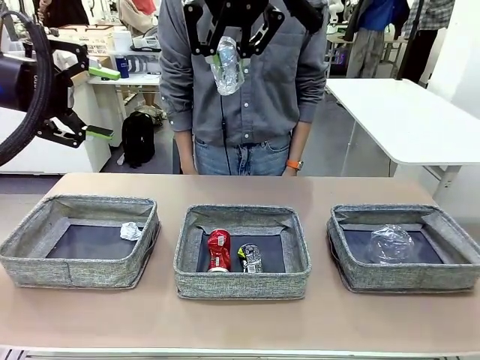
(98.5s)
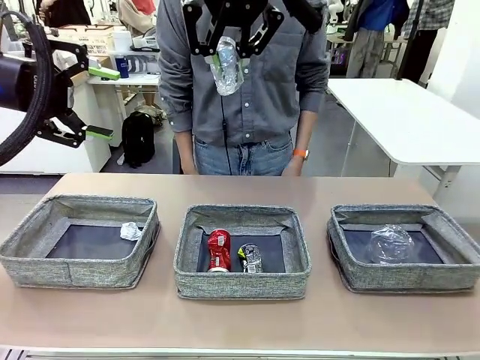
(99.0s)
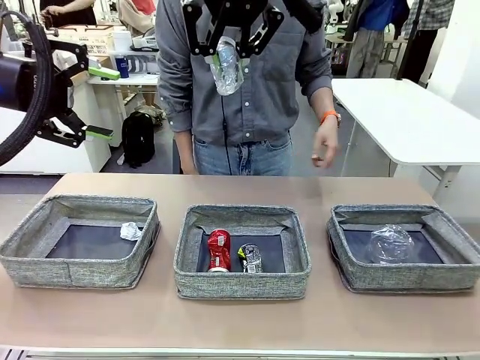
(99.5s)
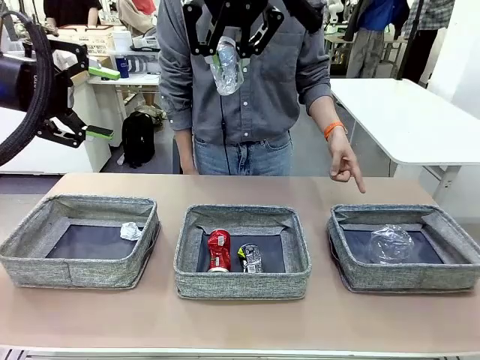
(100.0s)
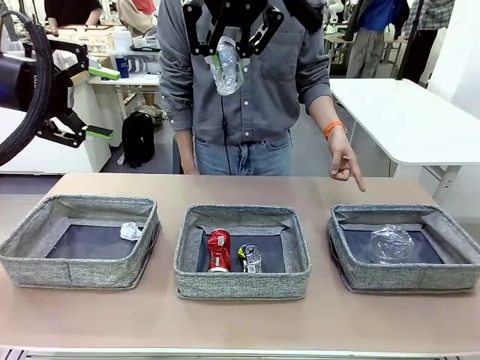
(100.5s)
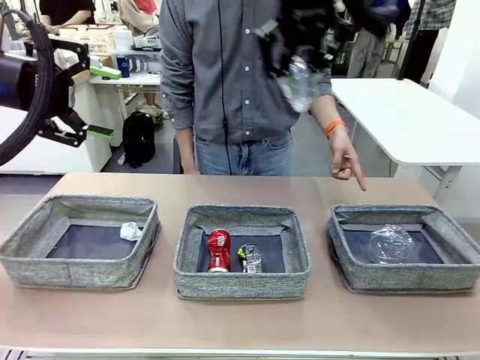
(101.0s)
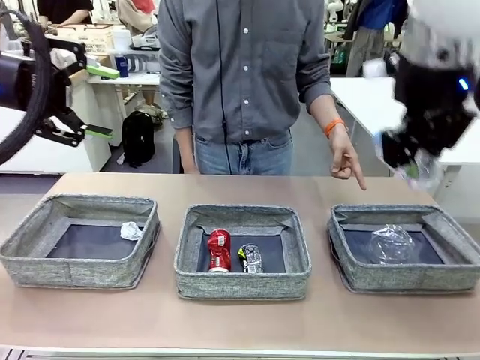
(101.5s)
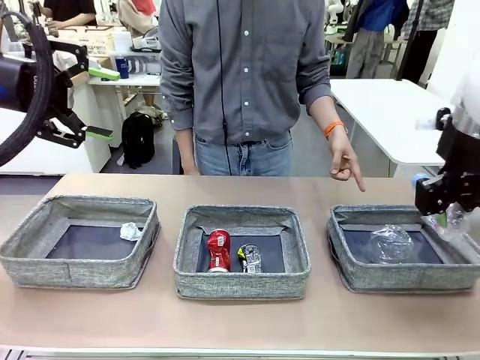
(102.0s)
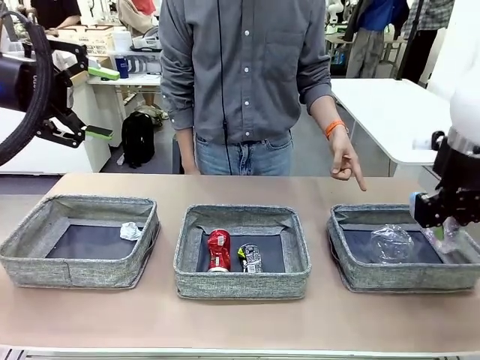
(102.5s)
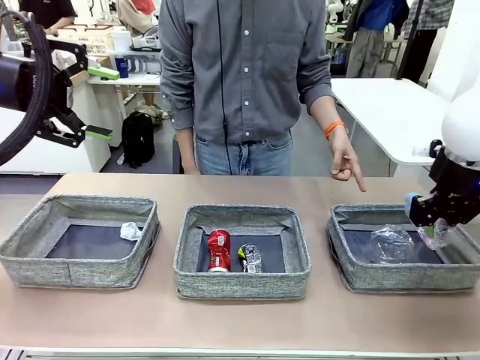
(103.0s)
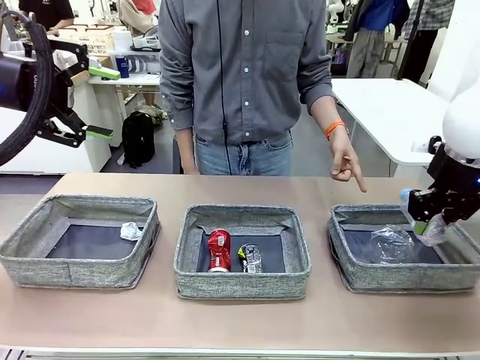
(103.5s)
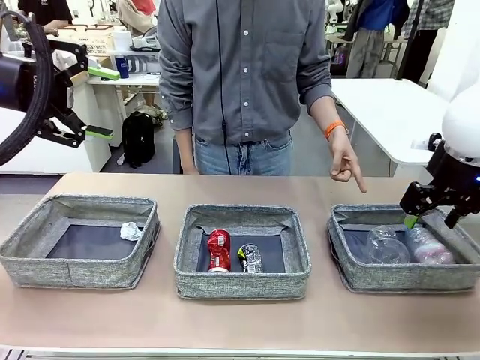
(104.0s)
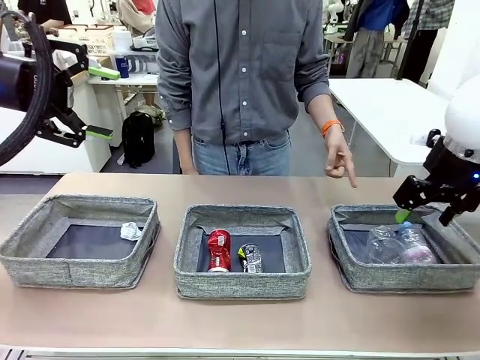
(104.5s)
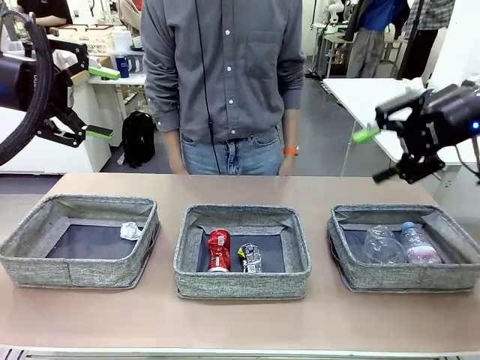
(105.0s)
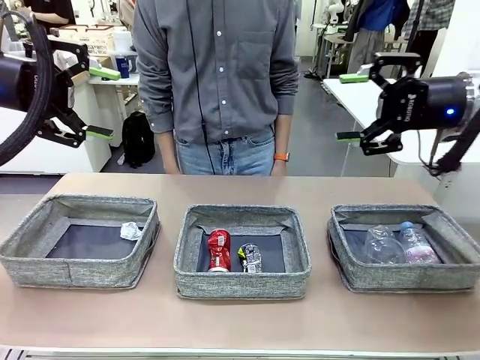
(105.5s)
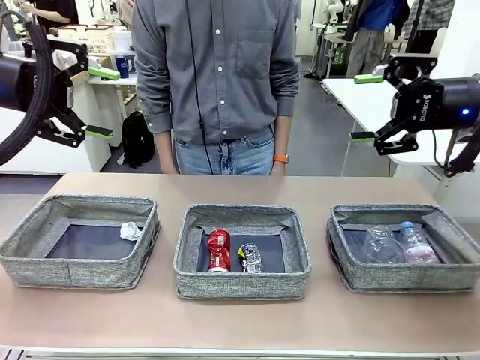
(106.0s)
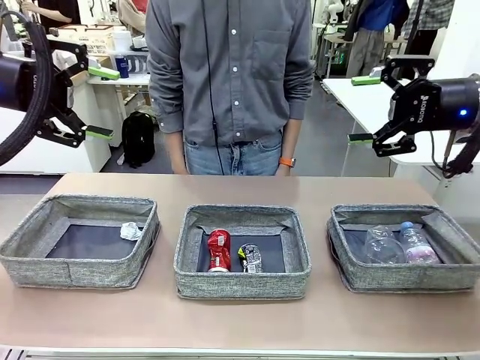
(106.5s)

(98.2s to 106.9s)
Task: Sort the waste into the appropriate baskets.
Robot: Place the picked waste into the Fabric basket indicated by the person.
Person: Instructs the robot to place the picked-up trash into the appropriate organizing basket.

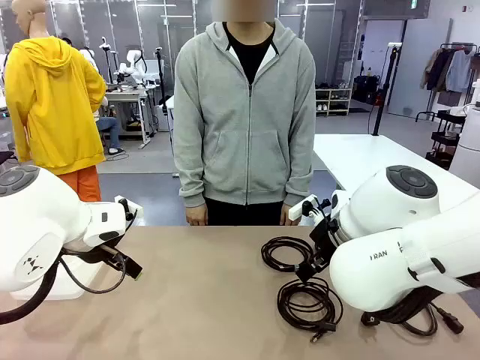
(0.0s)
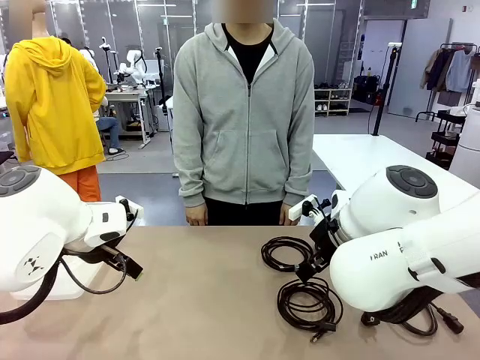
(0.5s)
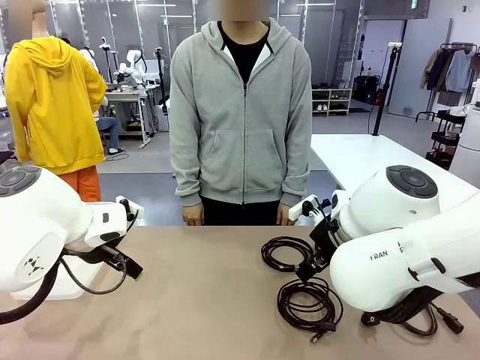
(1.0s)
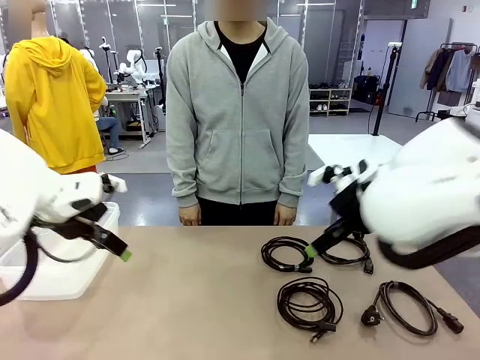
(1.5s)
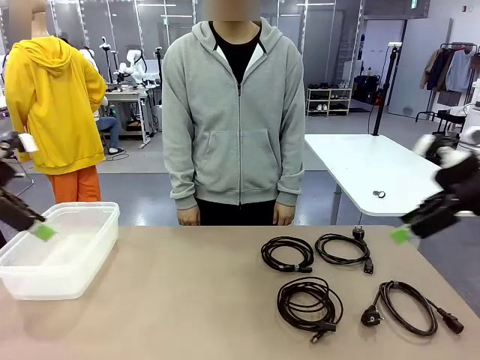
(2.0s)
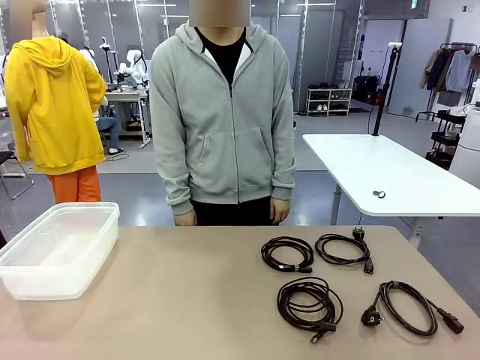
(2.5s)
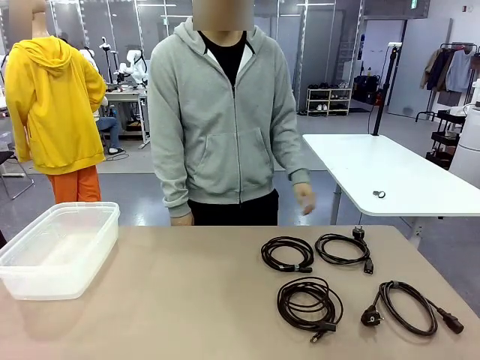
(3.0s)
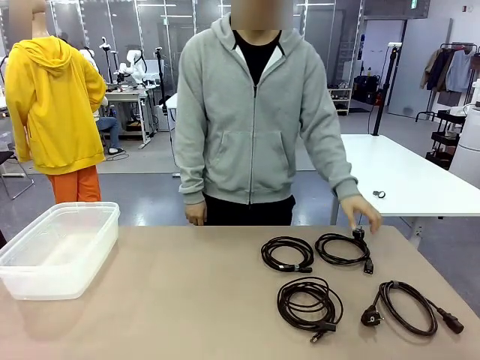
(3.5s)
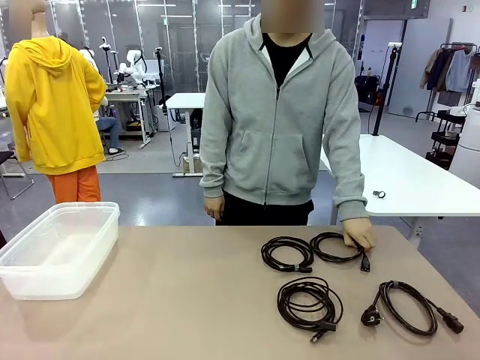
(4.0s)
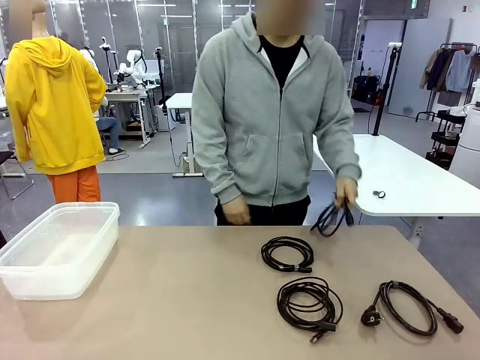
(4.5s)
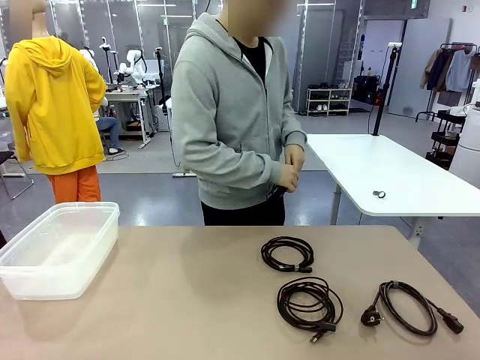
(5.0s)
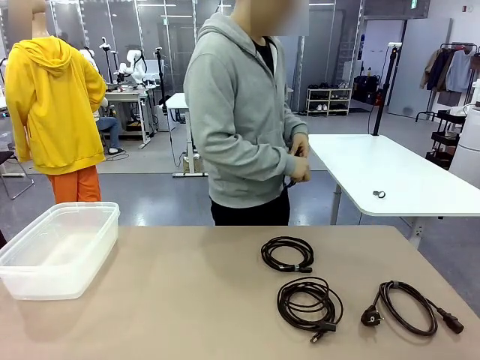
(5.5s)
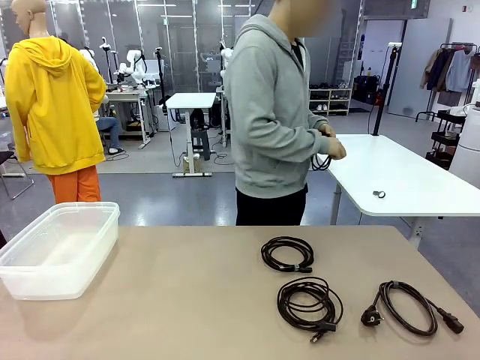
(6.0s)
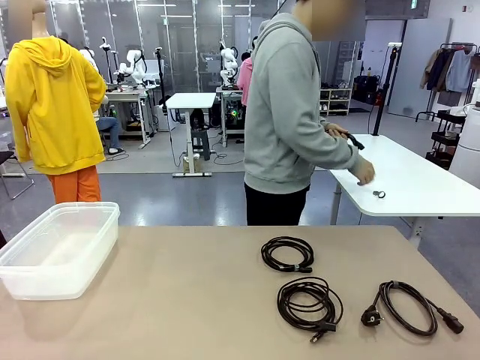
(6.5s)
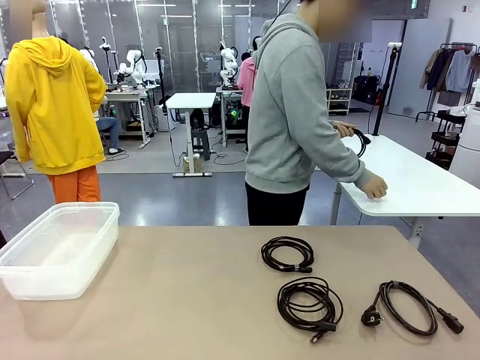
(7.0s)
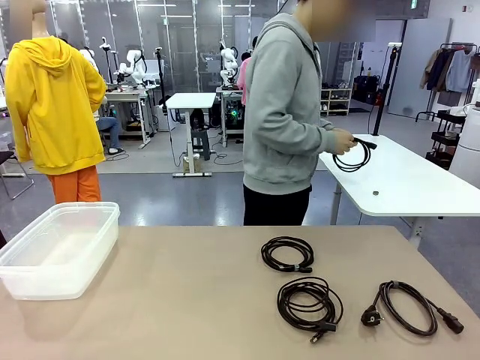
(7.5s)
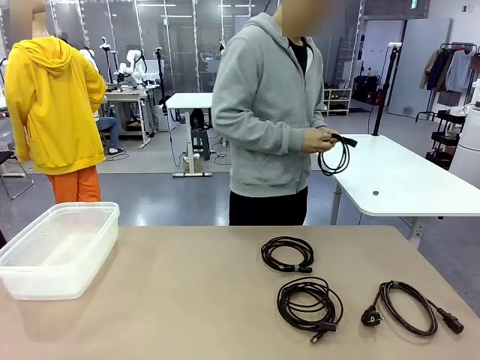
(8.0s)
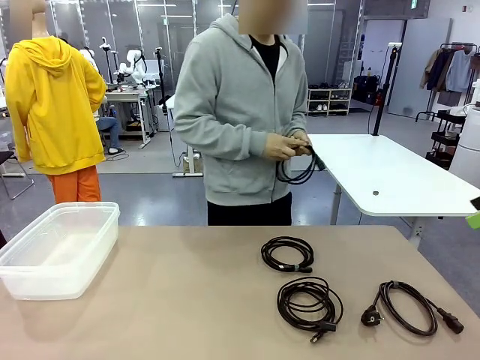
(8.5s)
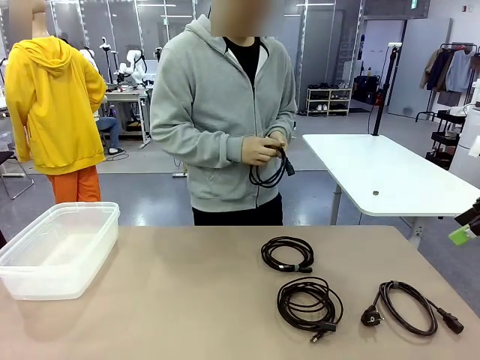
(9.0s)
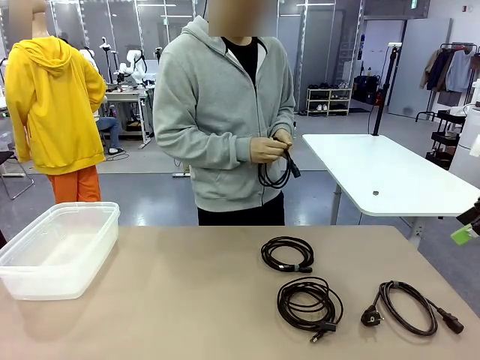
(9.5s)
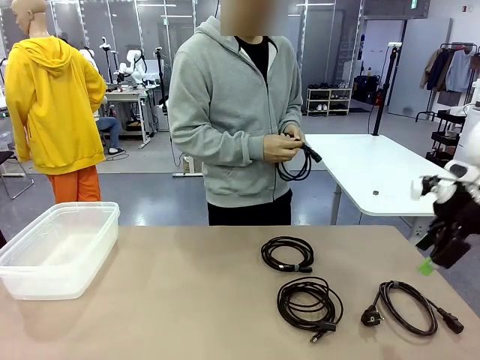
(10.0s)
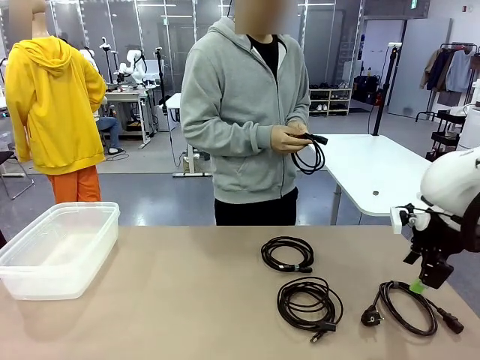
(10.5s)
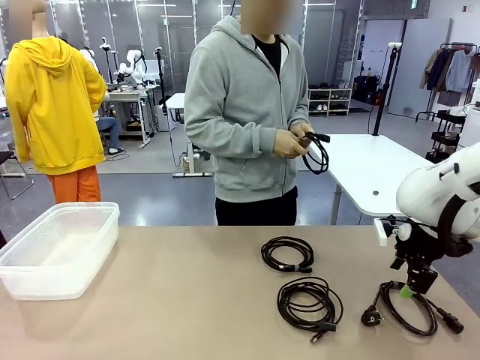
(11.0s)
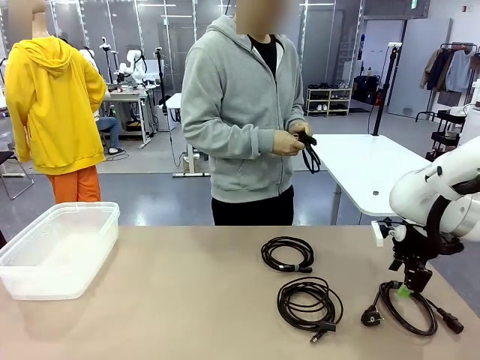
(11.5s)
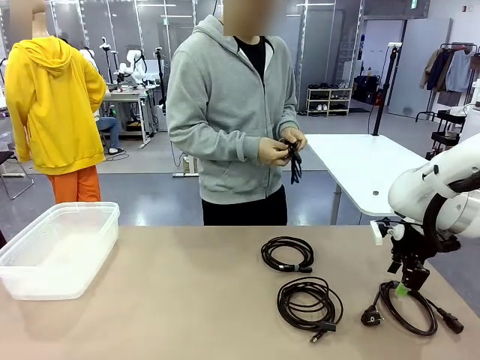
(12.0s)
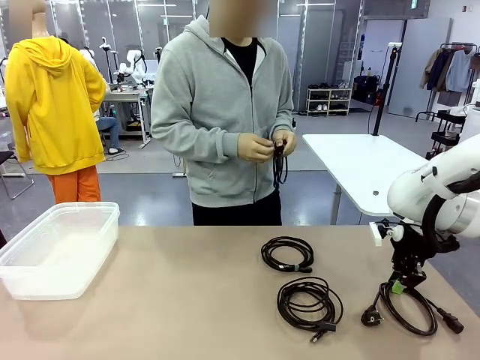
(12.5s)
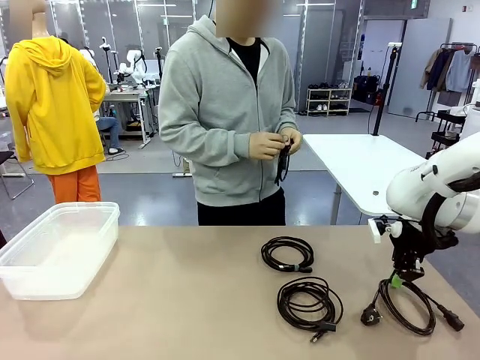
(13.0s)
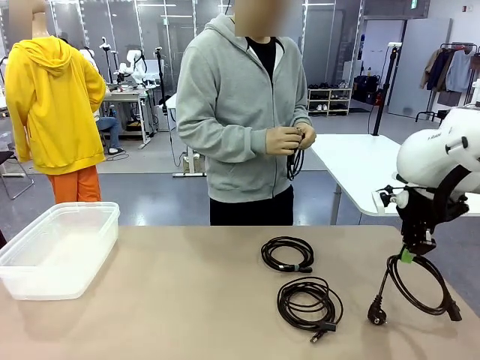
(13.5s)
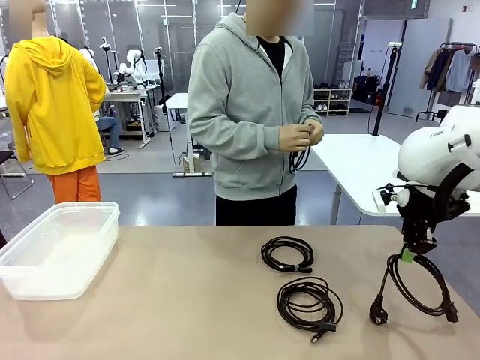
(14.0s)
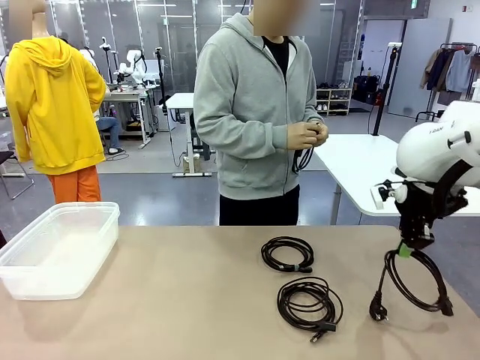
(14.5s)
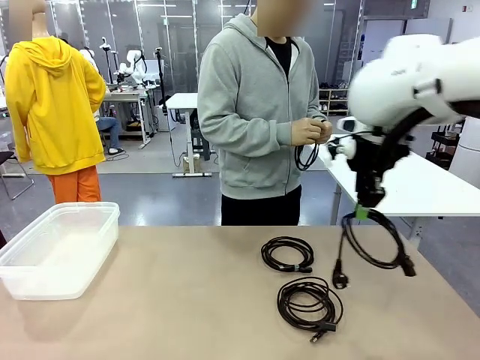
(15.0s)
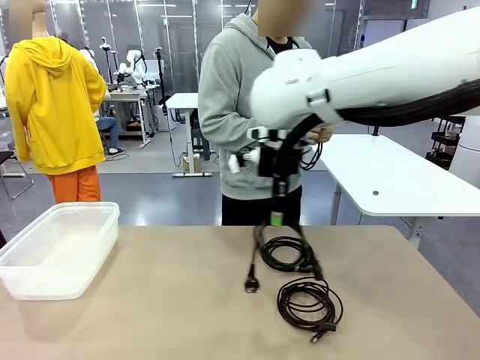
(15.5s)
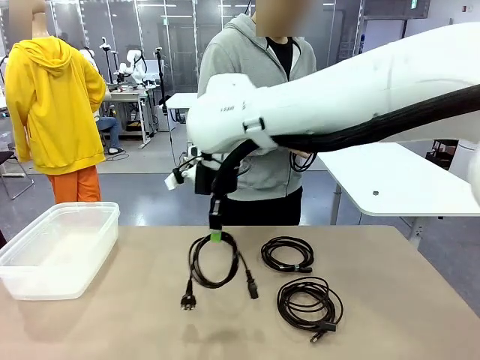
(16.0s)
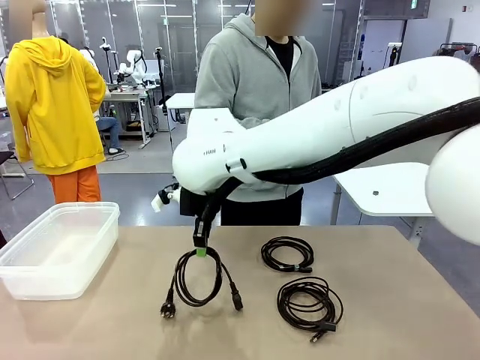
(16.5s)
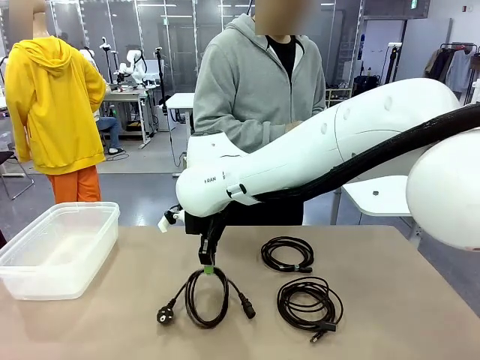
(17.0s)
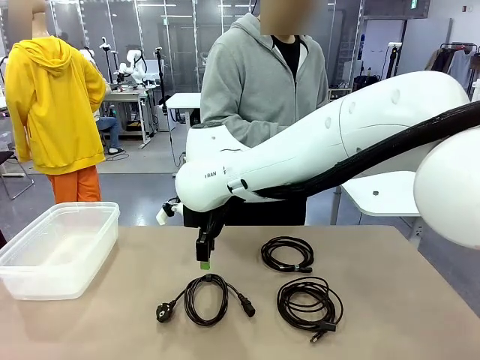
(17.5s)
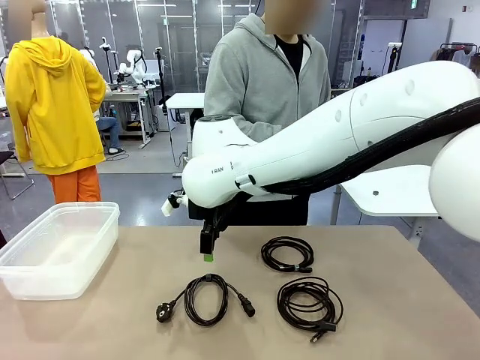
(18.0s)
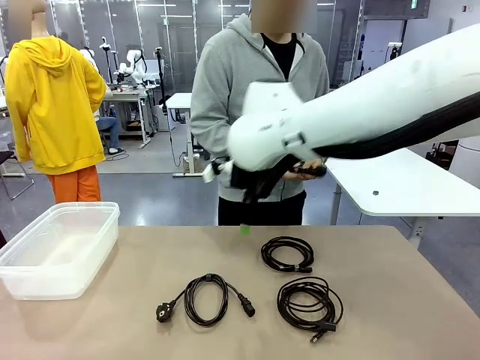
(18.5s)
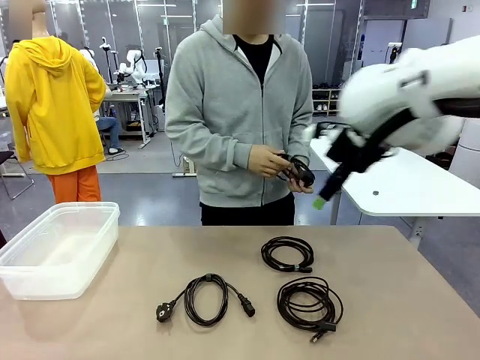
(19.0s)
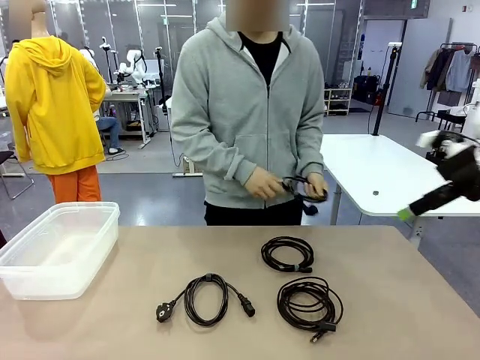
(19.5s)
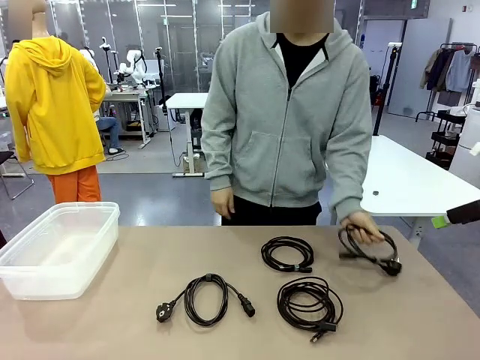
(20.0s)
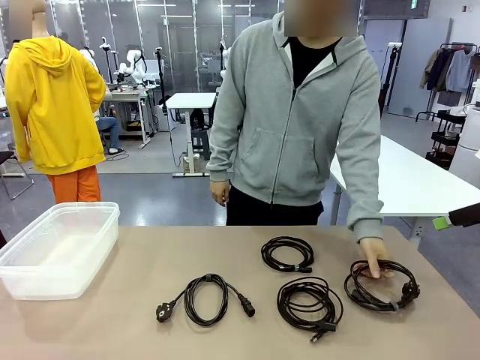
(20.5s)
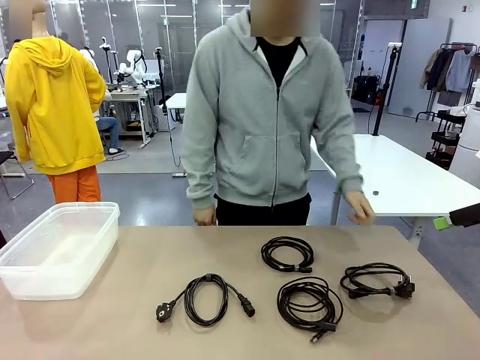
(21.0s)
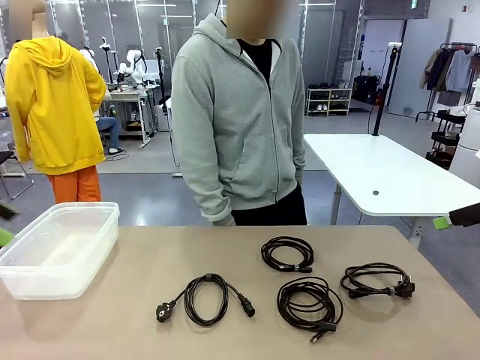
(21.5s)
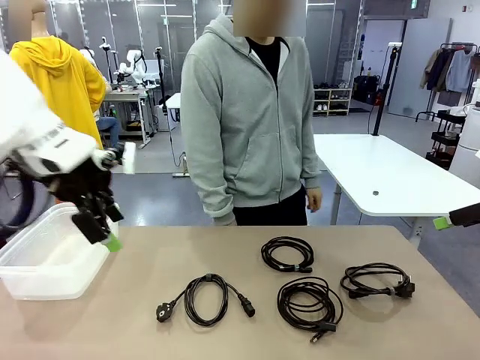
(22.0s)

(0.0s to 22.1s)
Task: Organize and store the cables.
Robot: Place the Power Cable into the Organizing box.
Person: Tie one Power Cable with a Reusable Cable Tie.
